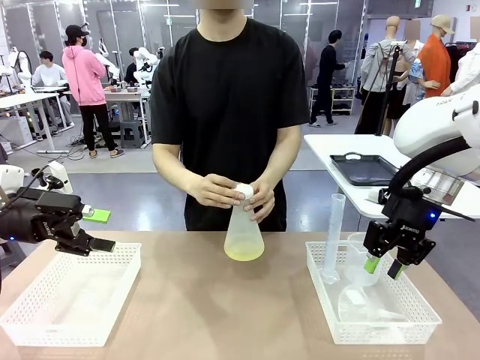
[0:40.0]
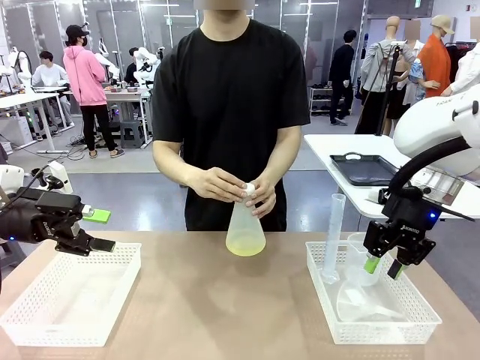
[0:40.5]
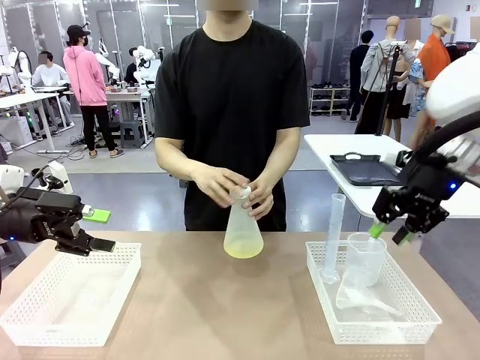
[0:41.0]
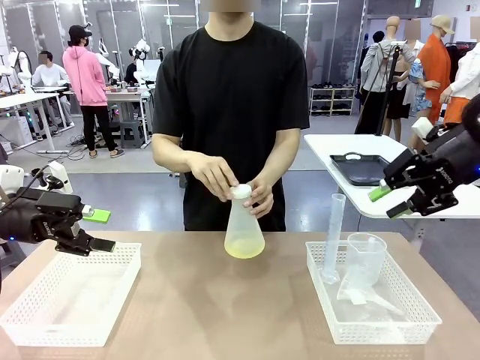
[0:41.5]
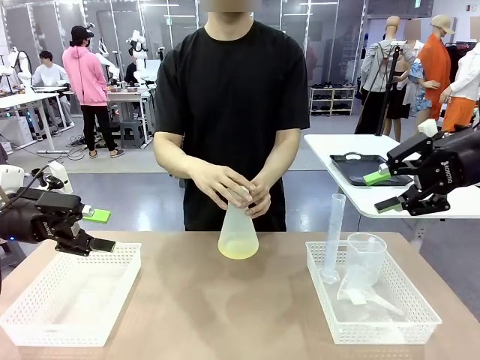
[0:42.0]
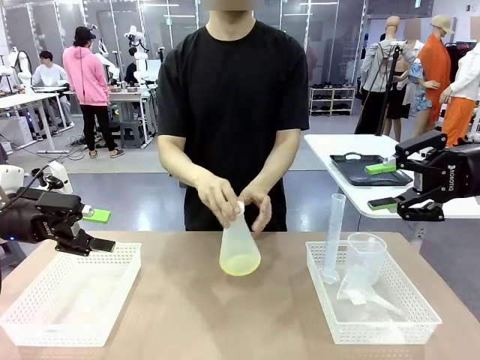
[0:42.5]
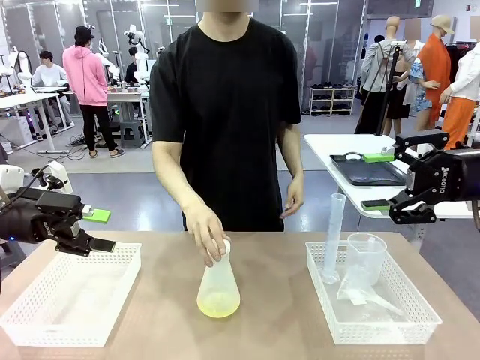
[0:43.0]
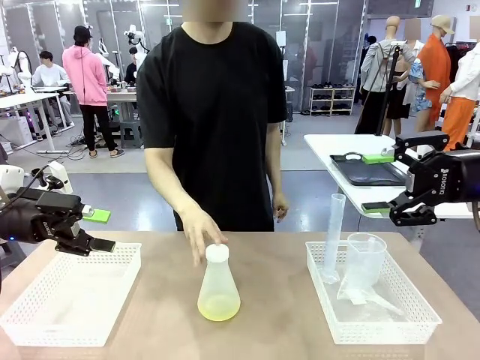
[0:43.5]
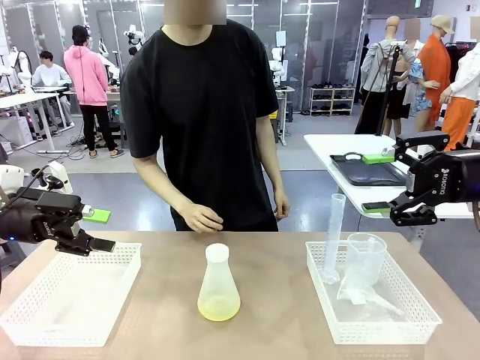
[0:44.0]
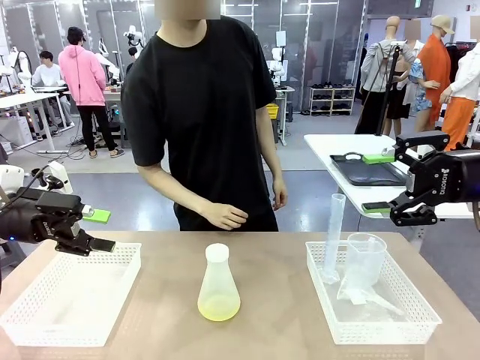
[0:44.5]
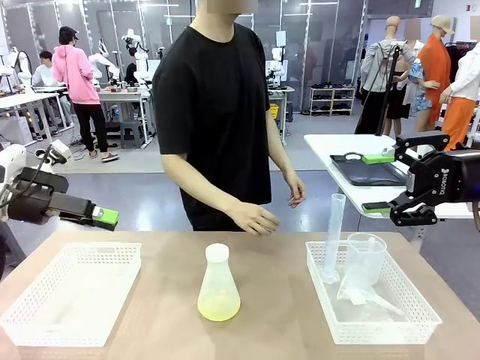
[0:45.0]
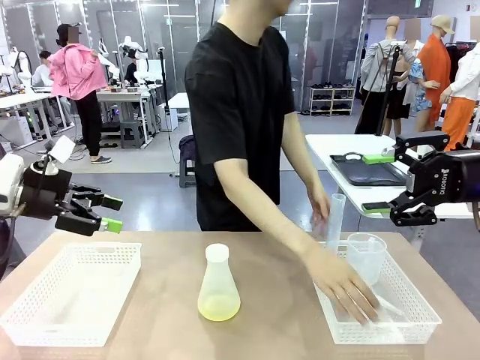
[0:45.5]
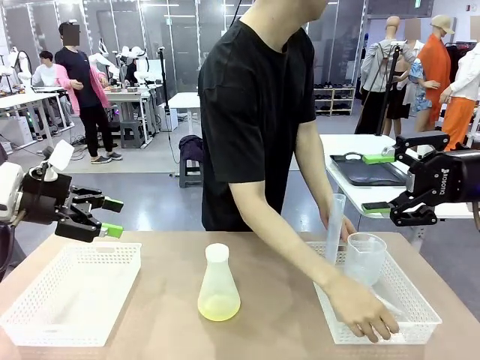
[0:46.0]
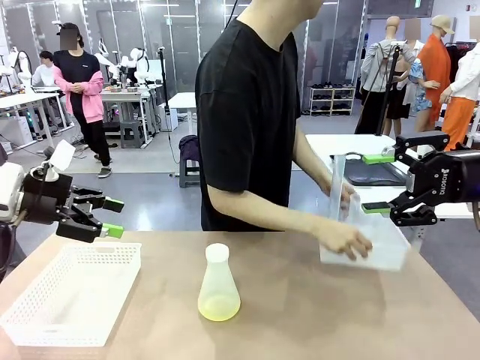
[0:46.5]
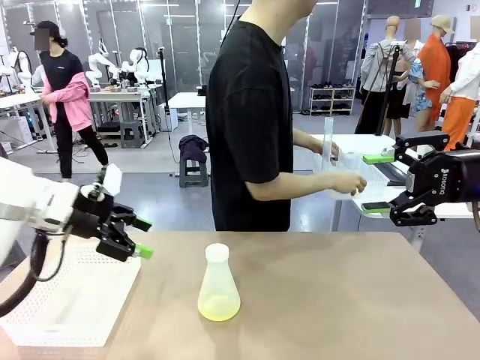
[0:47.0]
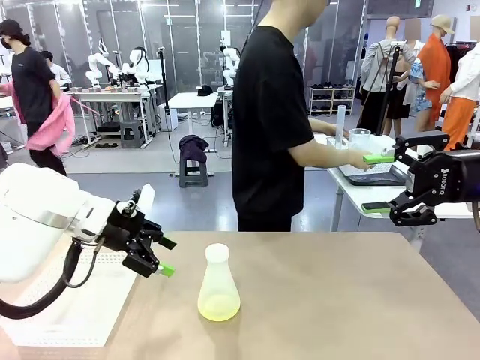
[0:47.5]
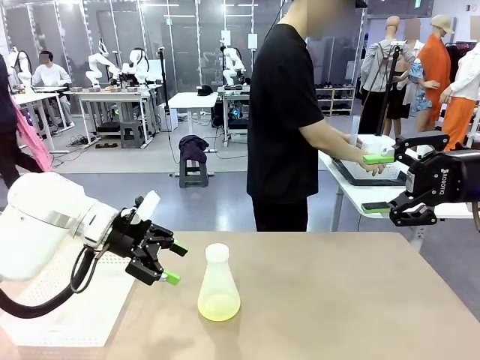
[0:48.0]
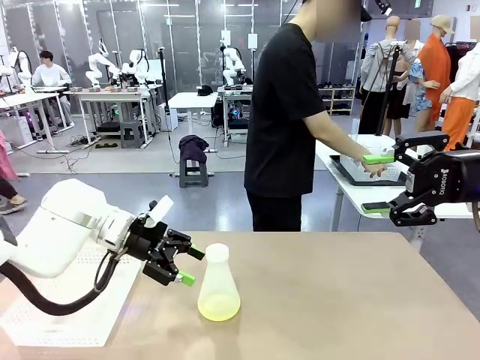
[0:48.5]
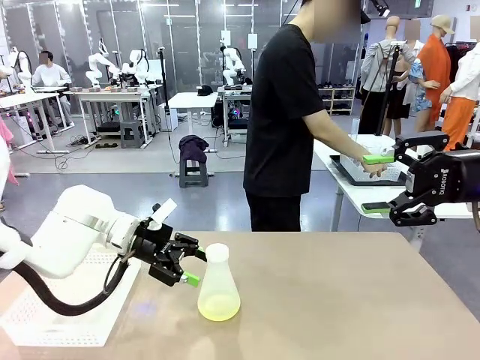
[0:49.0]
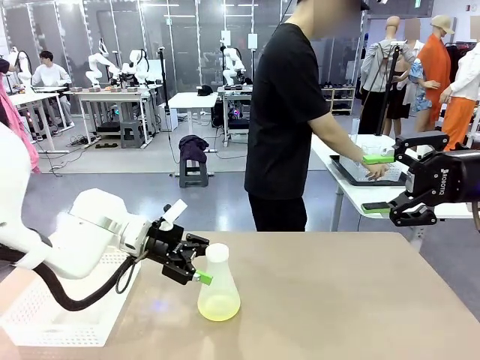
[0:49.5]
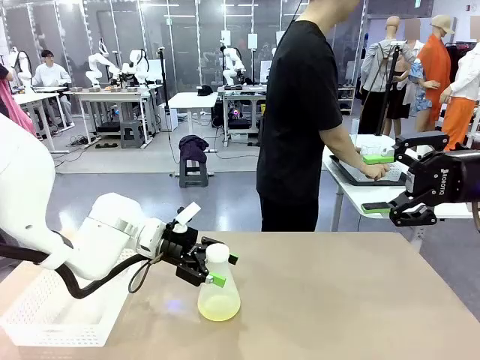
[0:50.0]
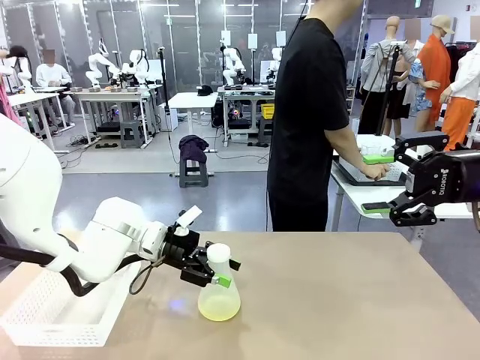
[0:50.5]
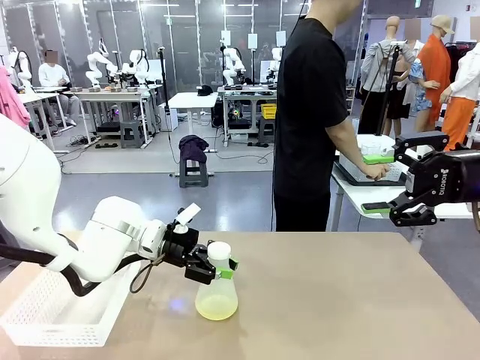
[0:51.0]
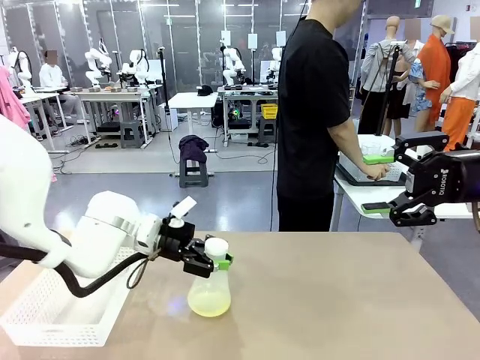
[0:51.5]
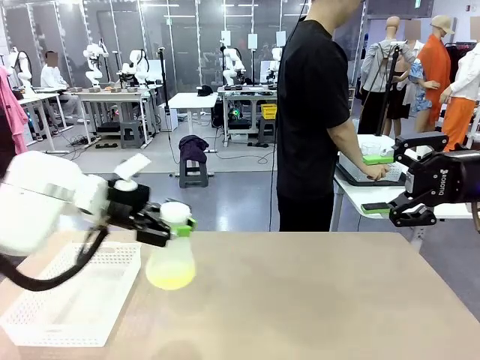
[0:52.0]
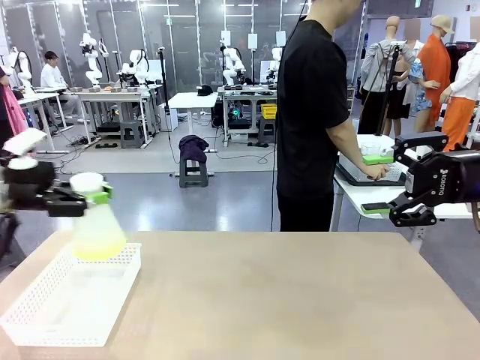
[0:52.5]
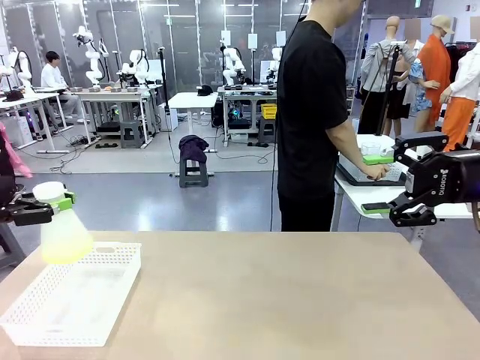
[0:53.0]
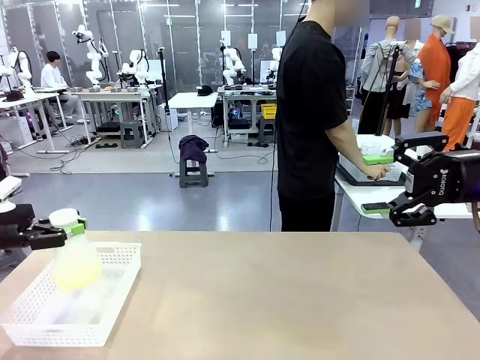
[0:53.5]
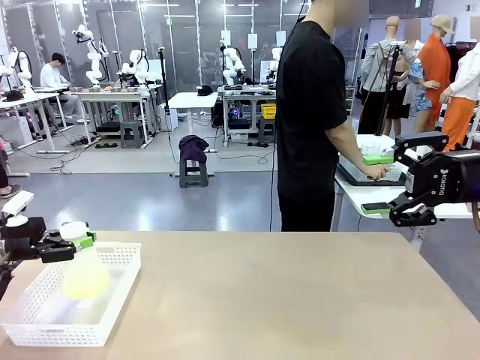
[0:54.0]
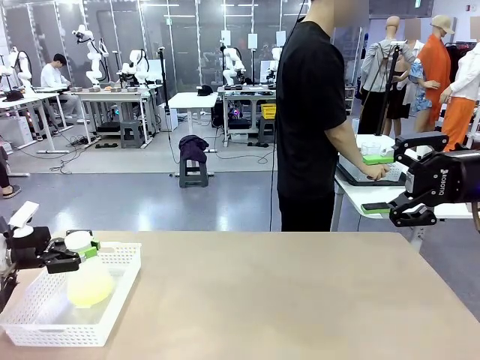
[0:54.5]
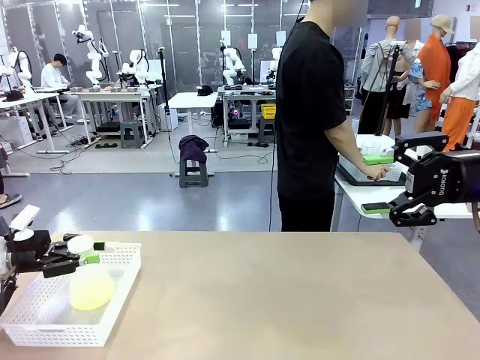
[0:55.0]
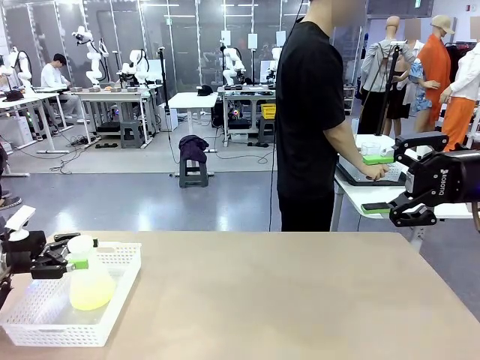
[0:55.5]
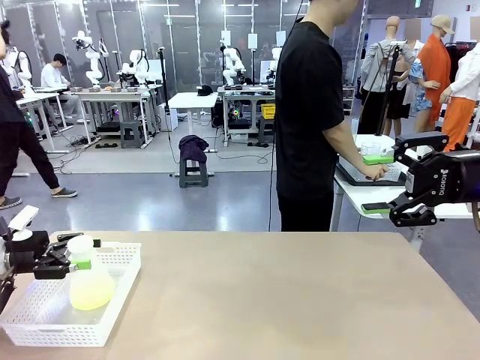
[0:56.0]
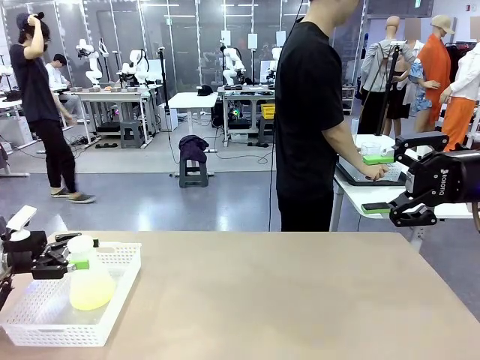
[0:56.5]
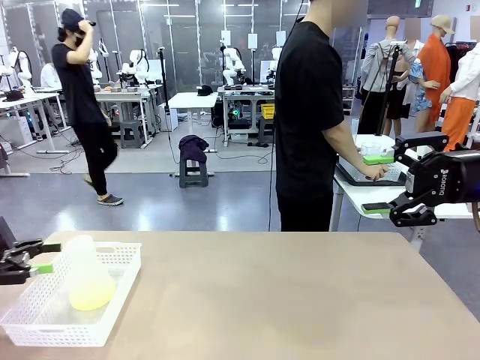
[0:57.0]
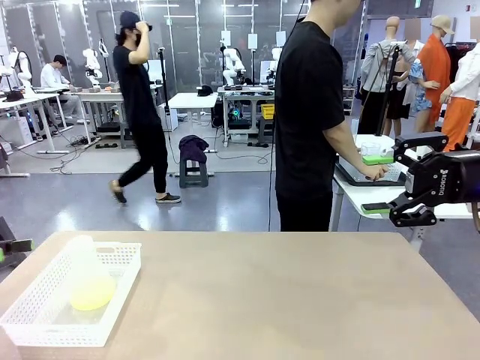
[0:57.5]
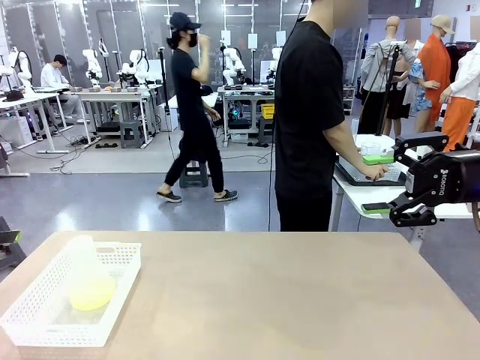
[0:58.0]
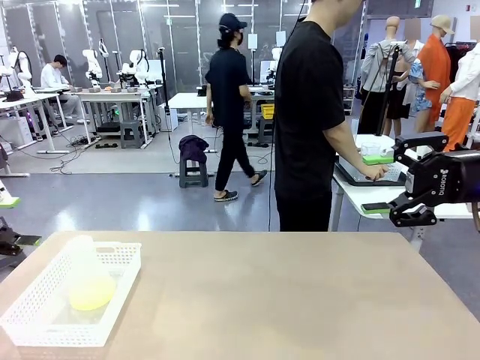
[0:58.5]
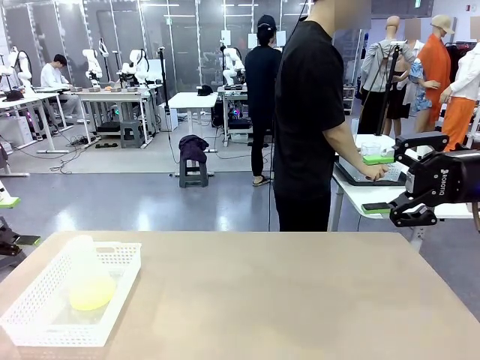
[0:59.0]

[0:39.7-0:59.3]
Task: Prepare the solutions needed for the experiment.
Robot: When the human places the Big flask in the center of the table, pick up the Big flask and place it in the left Organizing basket.
Person: Pick up the organizing basket on the left side of the robot table and place it on the left side of the human table.
